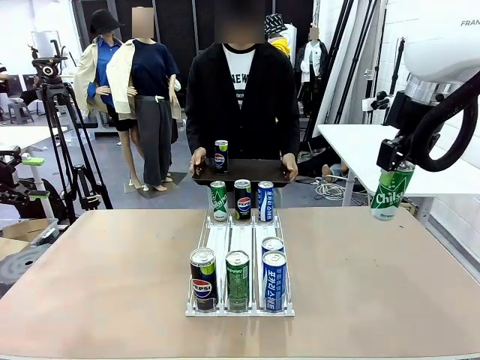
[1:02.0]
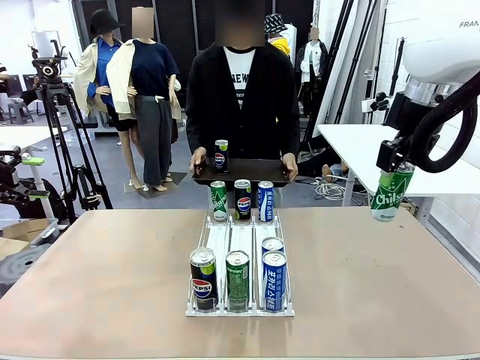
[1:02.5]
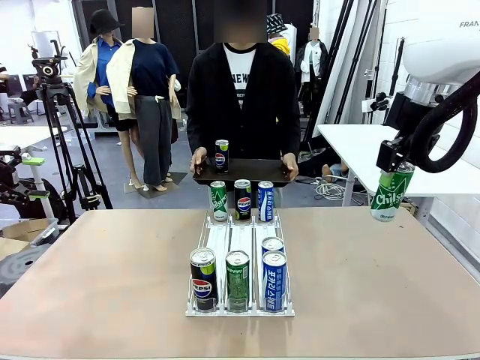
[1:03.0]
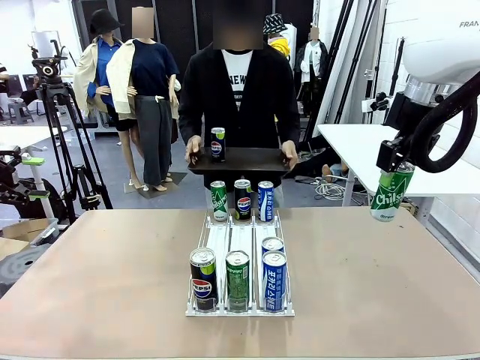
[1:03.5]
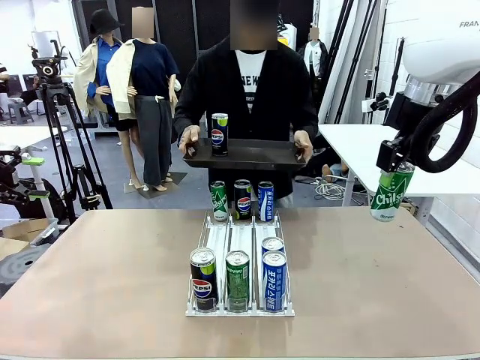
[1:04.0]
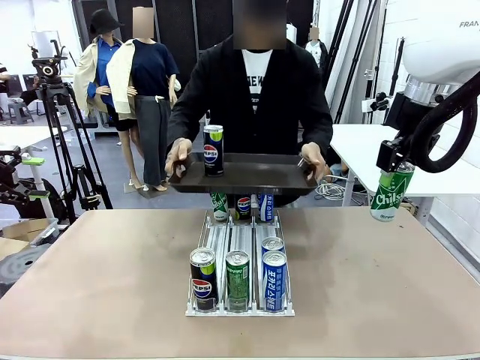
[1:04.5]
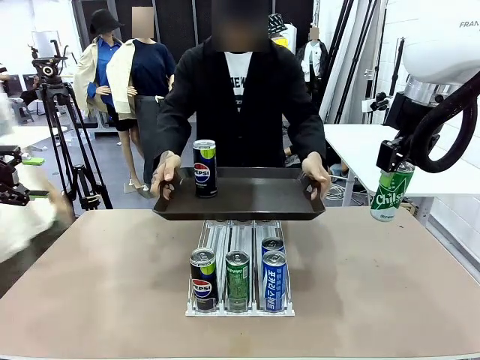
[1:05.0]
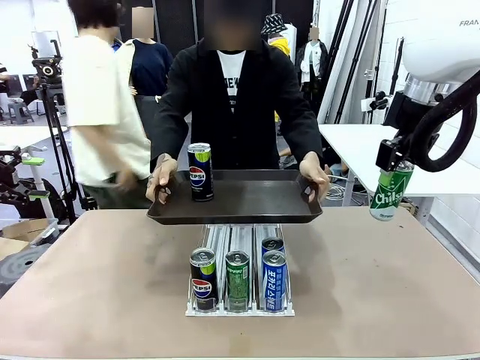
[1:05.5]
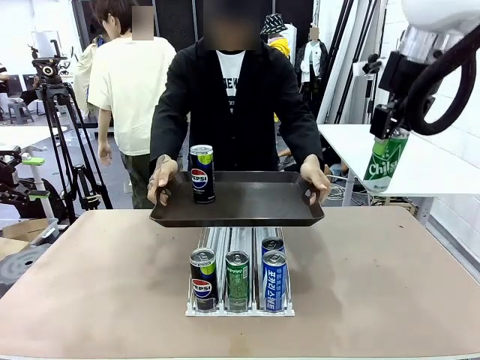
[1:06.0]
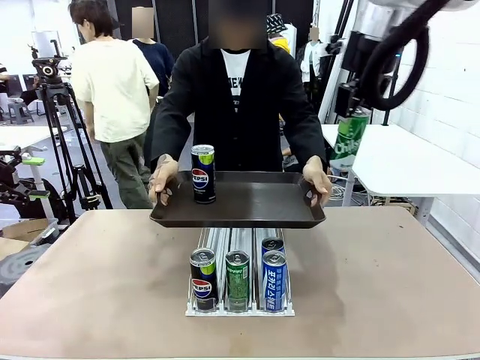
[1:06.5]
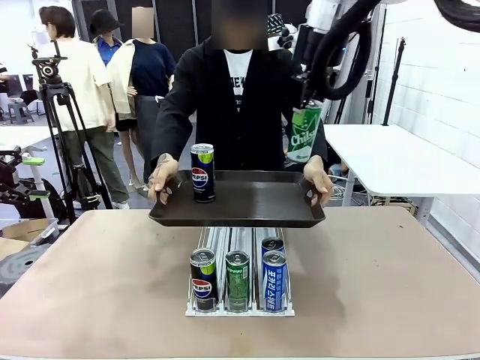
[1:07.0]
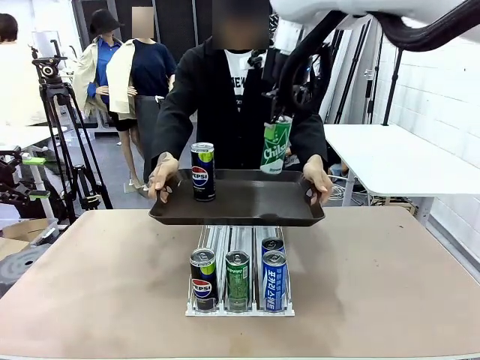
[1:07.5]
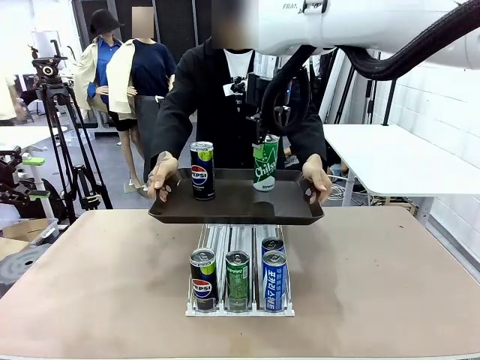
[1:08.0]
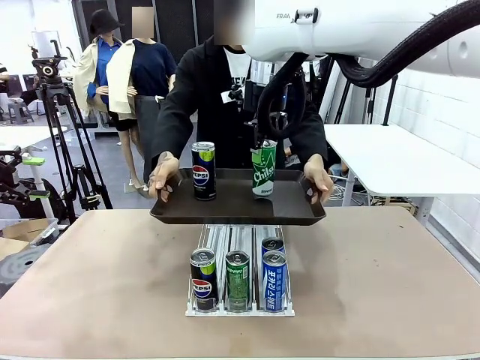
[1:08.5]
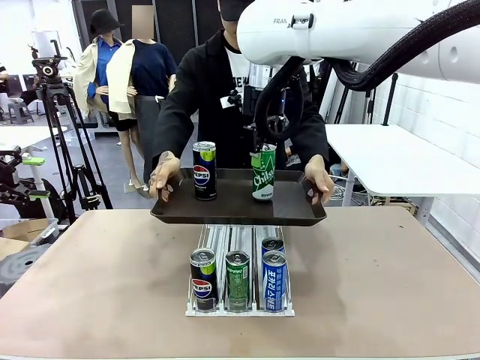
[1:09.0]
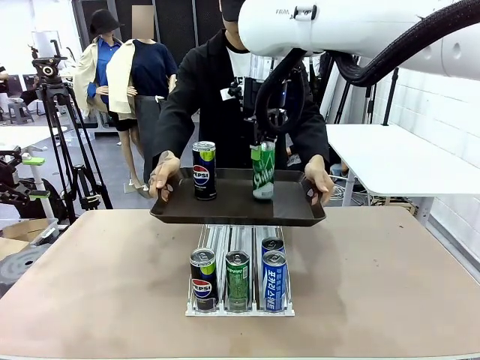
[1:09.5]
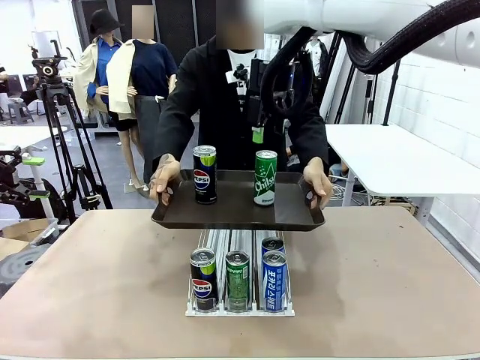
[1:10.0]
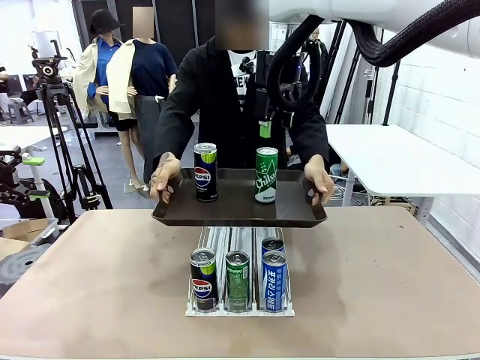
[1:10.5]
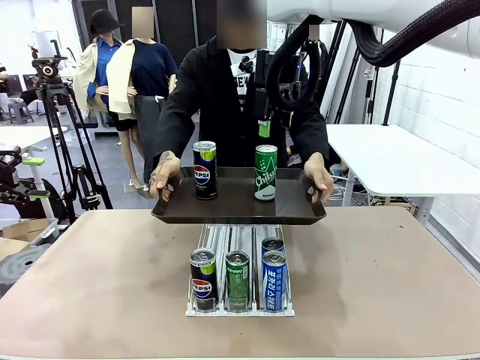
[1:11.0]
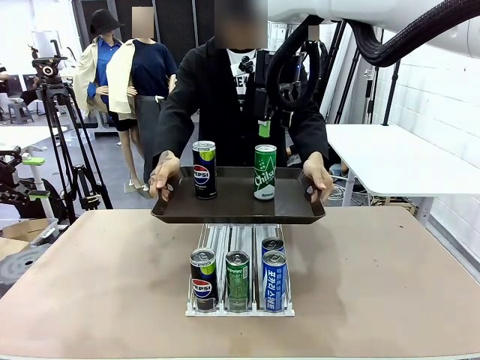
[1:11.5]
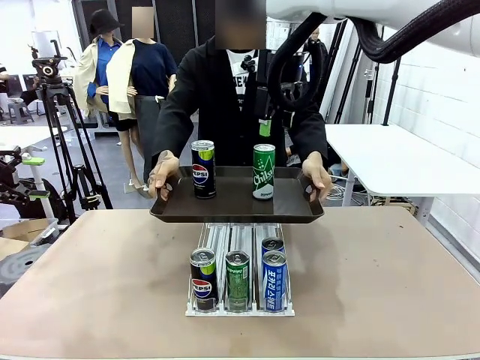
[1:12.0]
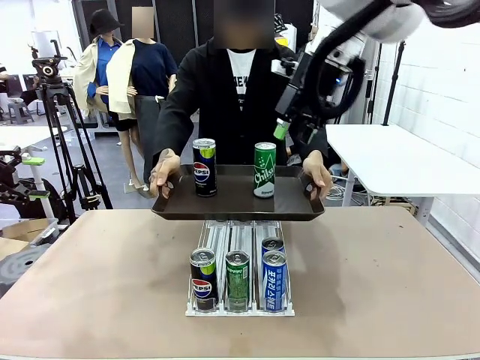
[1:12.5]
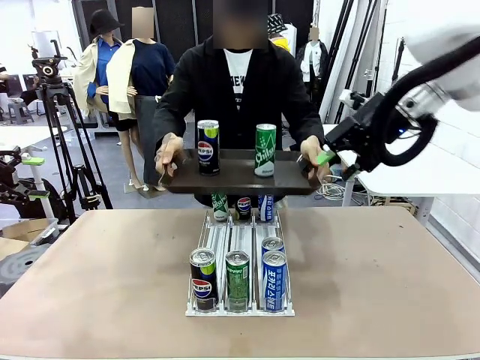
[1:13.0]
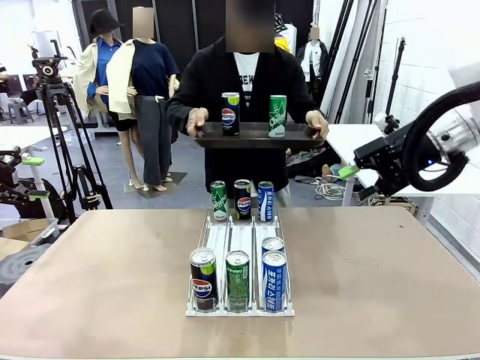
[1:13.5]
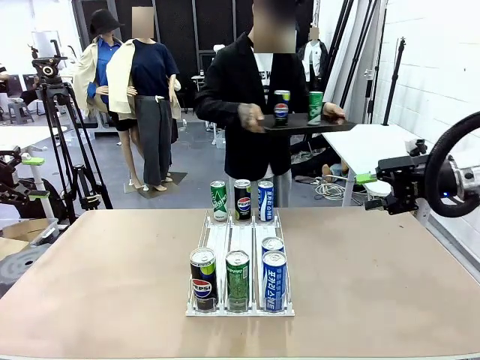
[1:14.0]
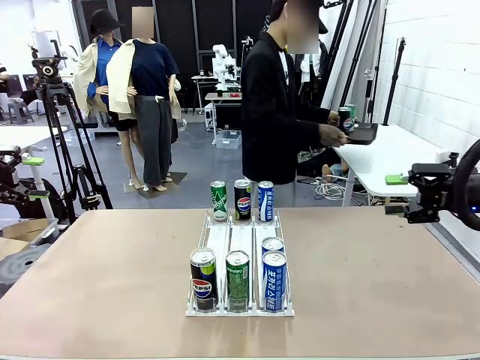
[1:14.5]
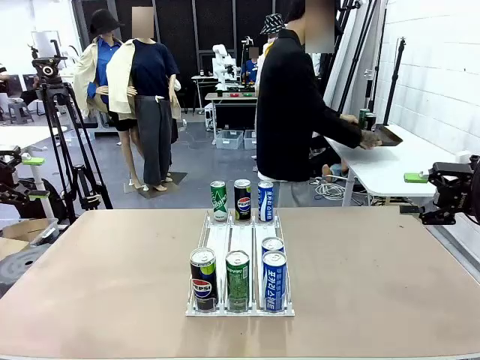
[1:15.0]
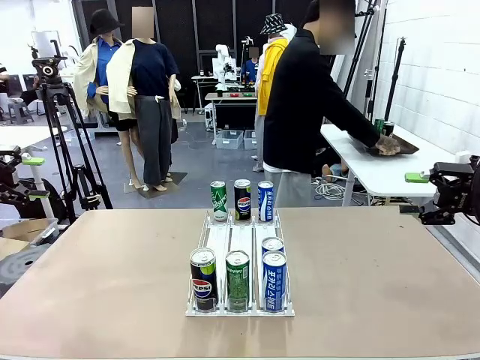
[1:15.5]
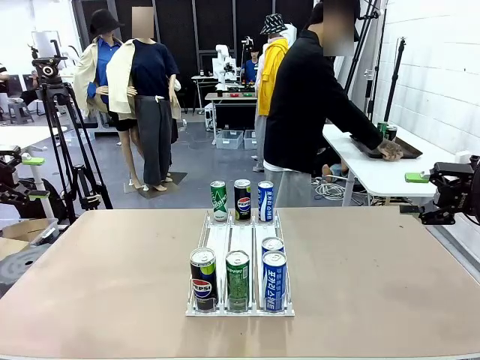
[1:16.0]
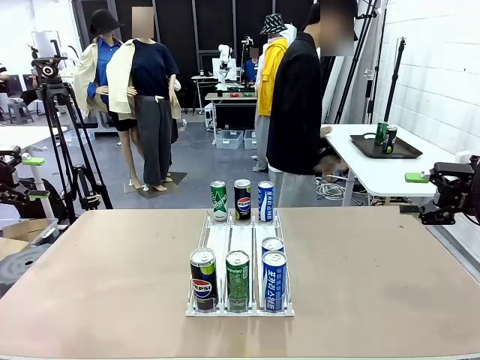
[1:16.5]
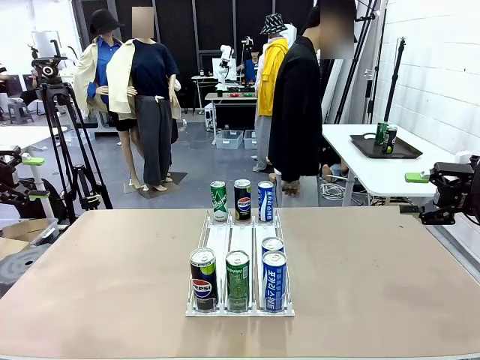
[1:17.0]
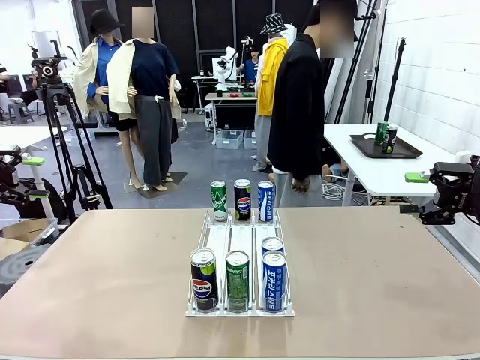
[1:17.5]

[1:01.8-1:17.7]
Task: Retrieve and hand over the desired beverage to the person.
Robot: Place the picked can on the Handle tray extended by the person.
Person: Pull the tray back and place it at the center of the human table.

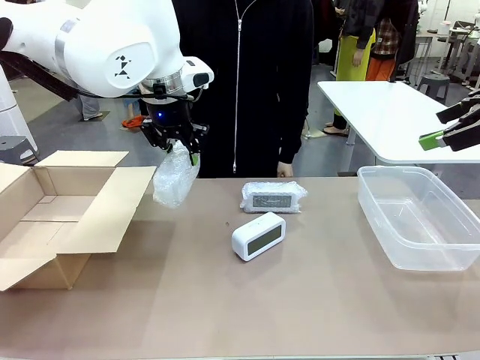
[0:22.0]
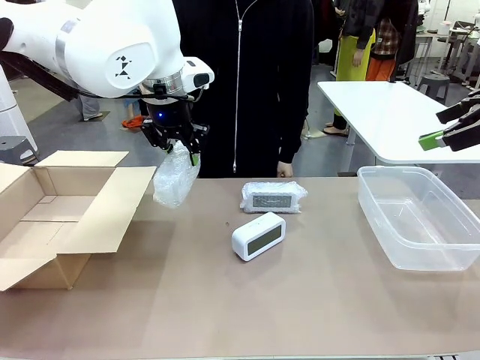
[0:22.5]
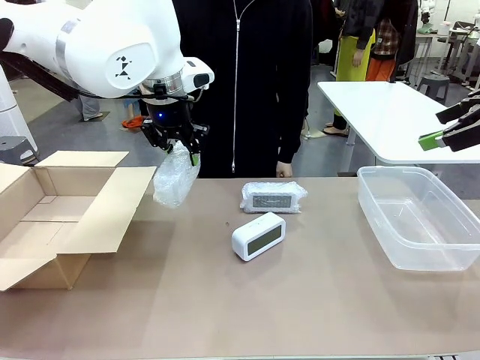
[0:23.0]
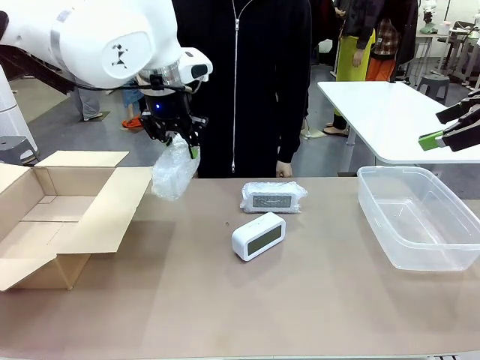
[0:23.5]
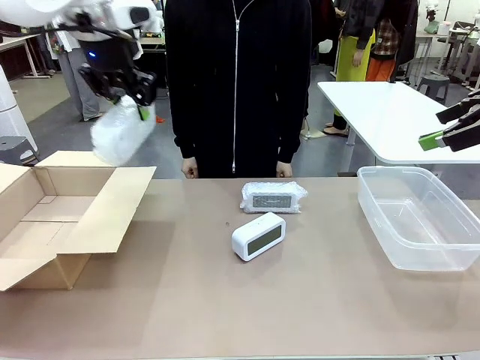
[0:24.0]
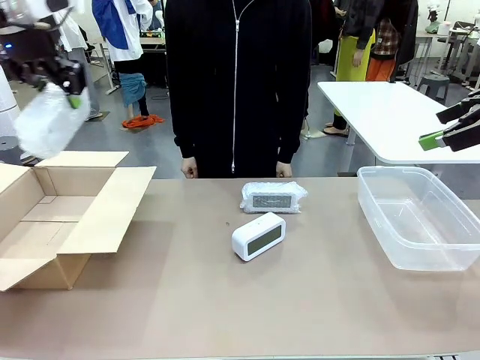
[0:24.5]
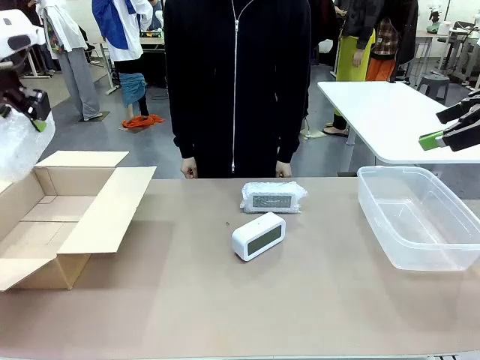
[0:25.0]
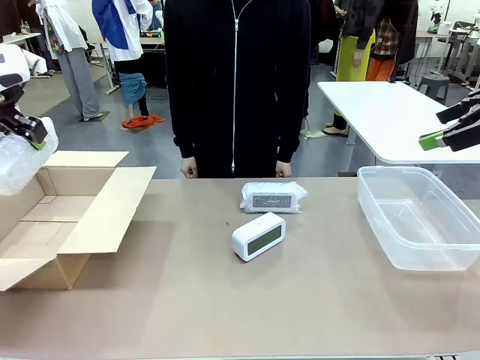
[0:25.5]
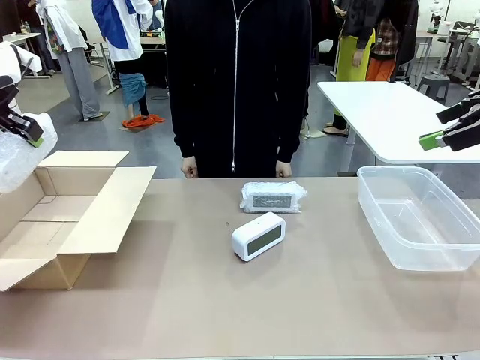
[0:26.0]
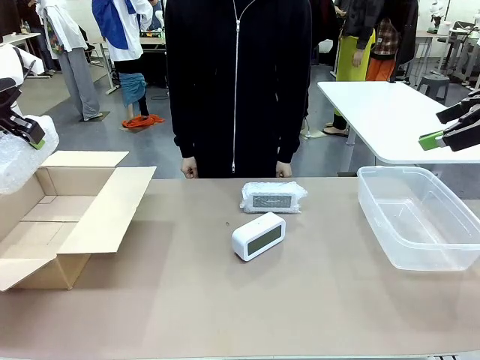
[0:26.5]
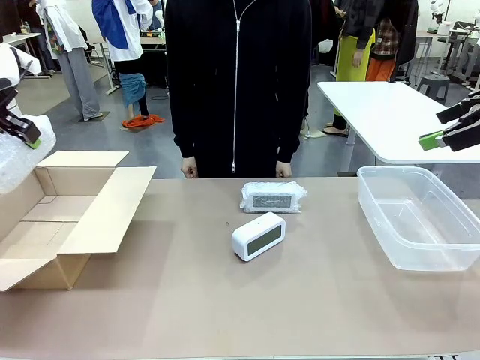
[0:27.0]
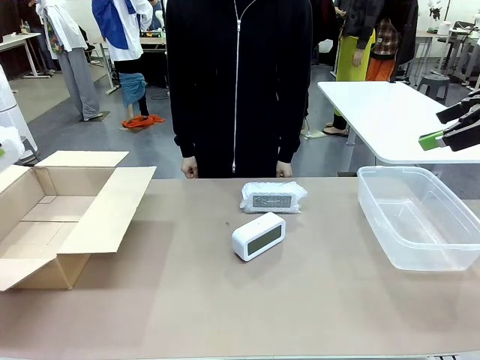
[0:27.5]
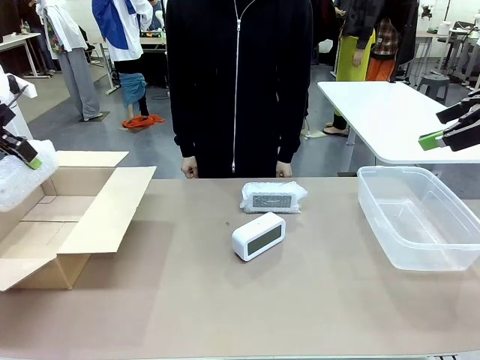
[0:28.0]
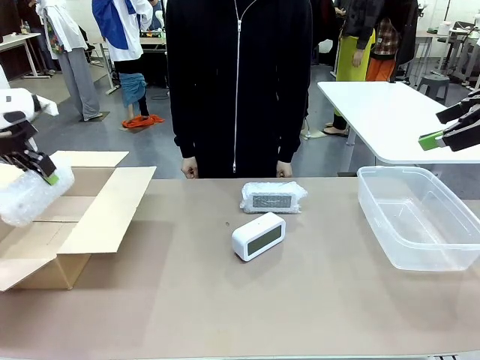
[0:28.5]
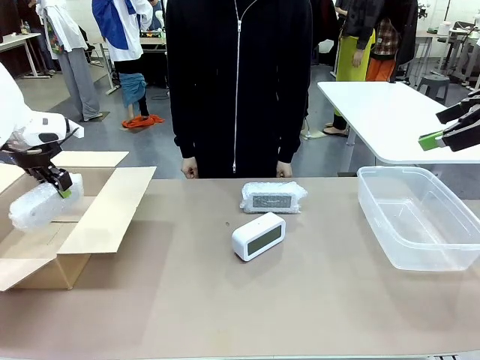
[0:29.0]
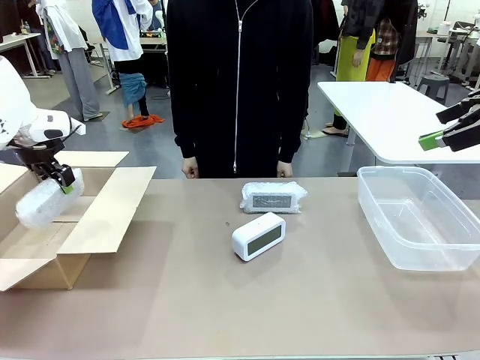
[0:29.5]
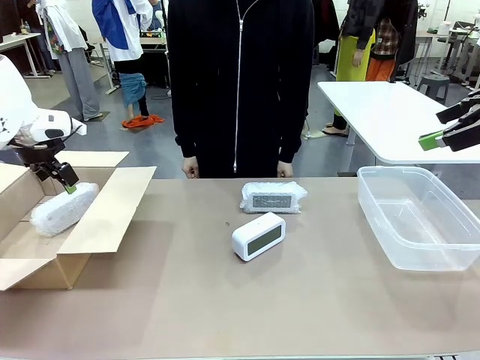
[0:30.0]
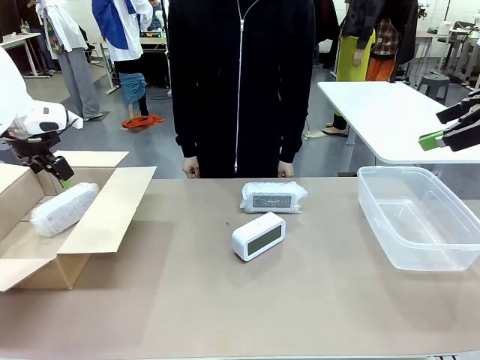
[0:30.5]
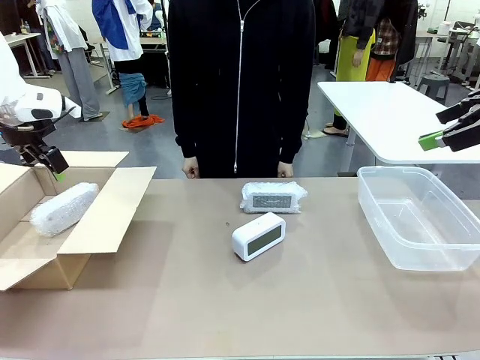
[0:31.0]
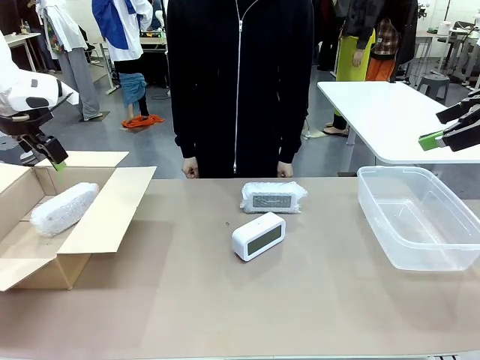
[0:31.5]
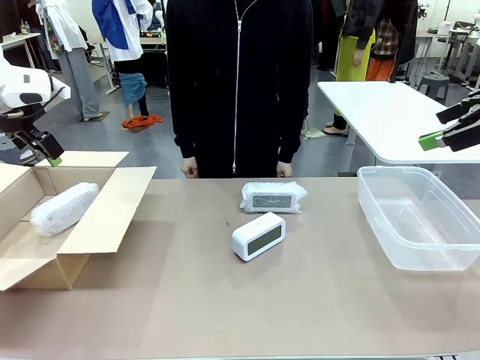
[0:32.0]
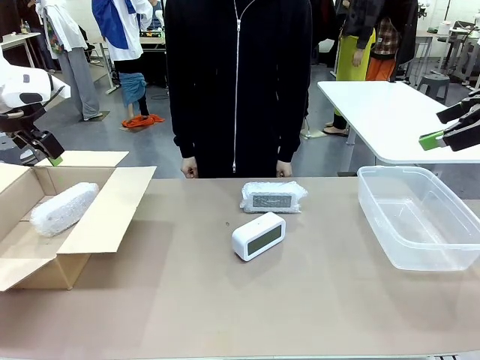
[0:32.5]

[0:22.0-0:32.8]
Task: Separate and place wrapped and unwrapped clocks.
Robot: If the picked Digital clock is wrapped, place it in the Package Box ; if not, place it in the Organizing box.
